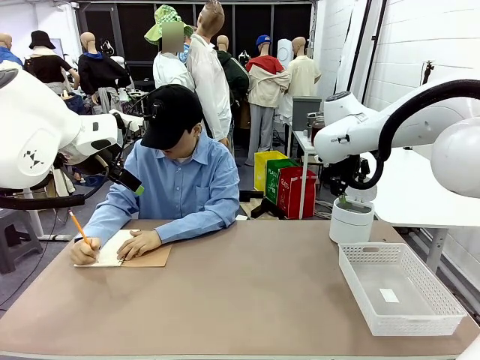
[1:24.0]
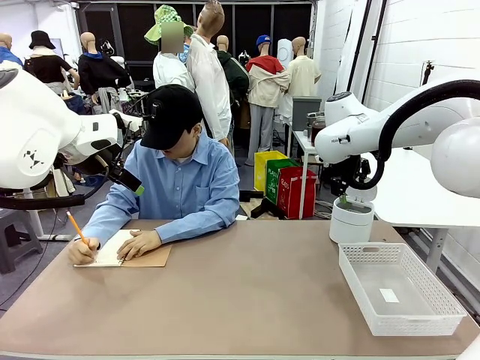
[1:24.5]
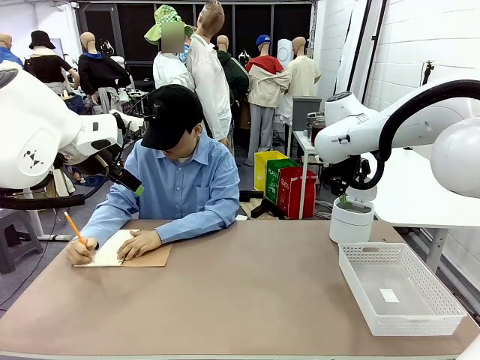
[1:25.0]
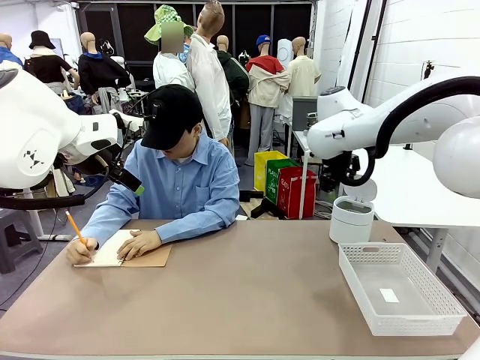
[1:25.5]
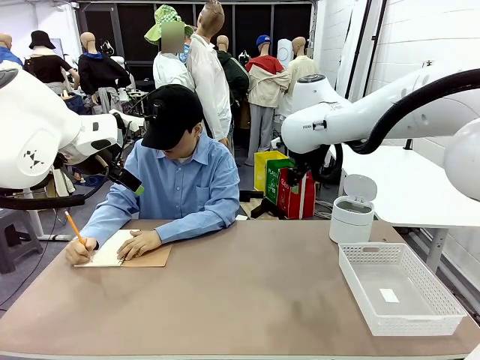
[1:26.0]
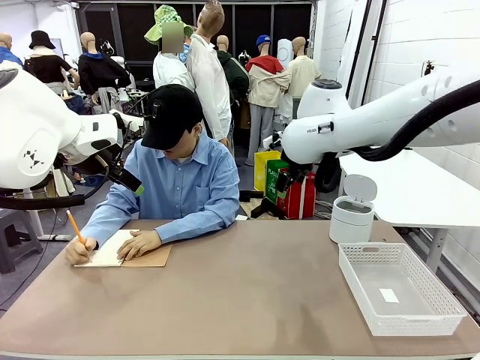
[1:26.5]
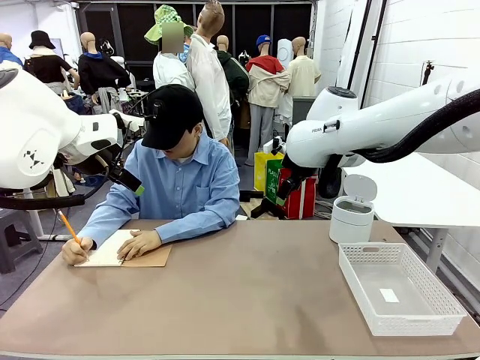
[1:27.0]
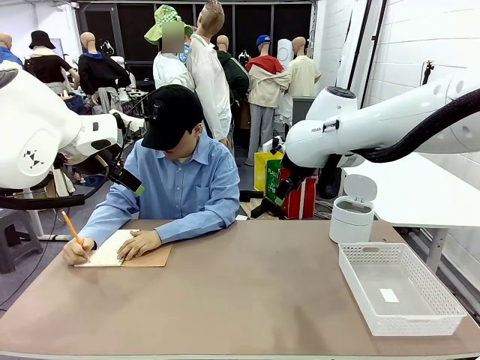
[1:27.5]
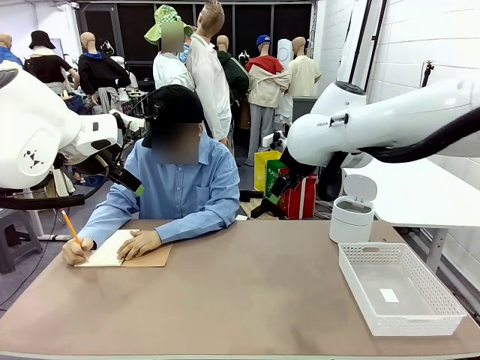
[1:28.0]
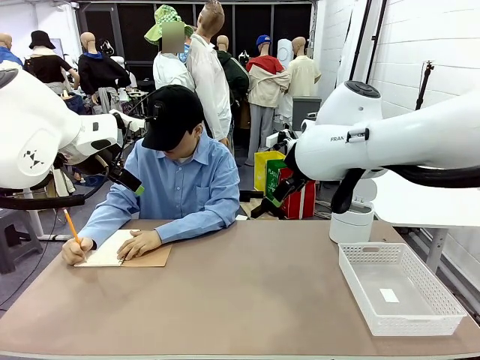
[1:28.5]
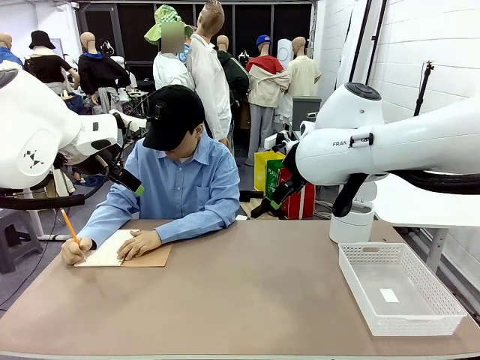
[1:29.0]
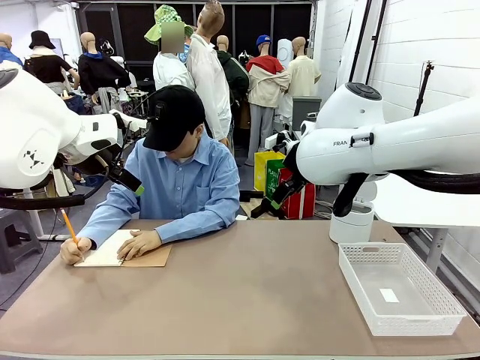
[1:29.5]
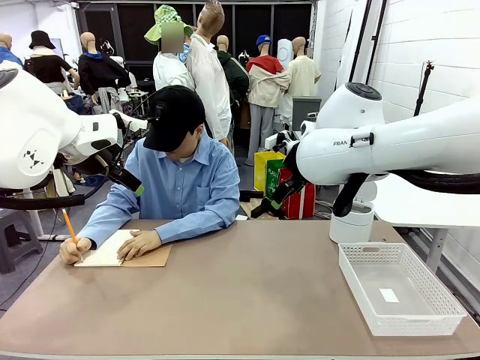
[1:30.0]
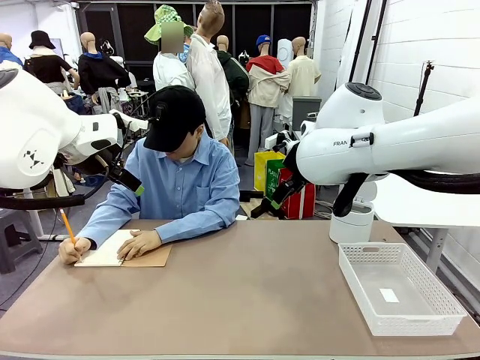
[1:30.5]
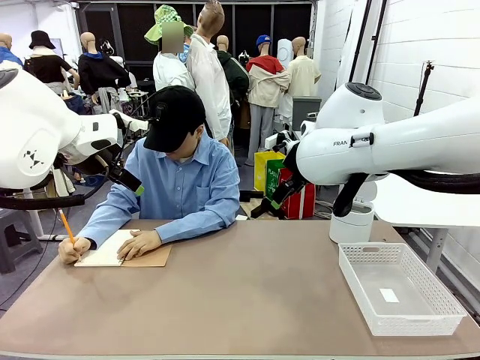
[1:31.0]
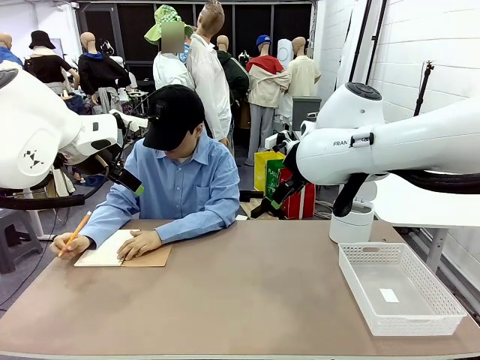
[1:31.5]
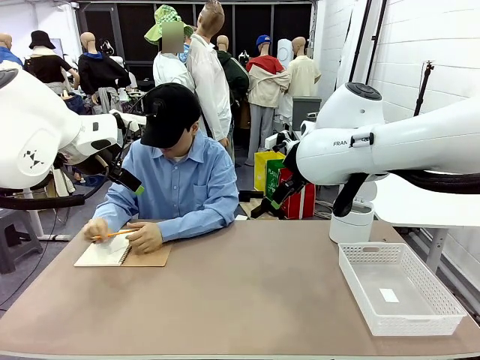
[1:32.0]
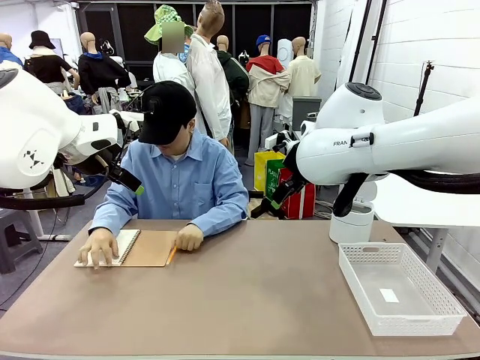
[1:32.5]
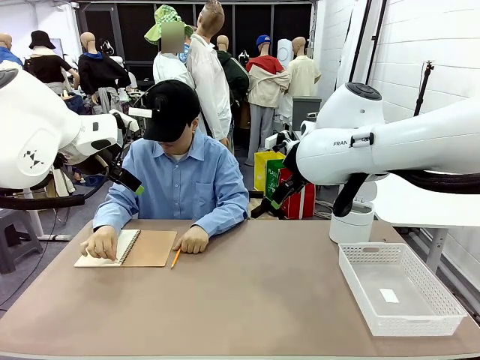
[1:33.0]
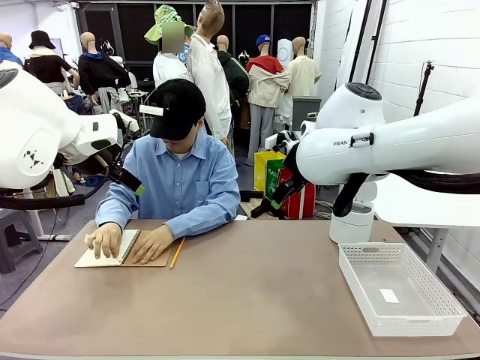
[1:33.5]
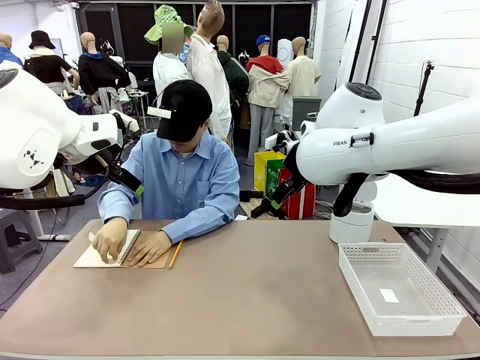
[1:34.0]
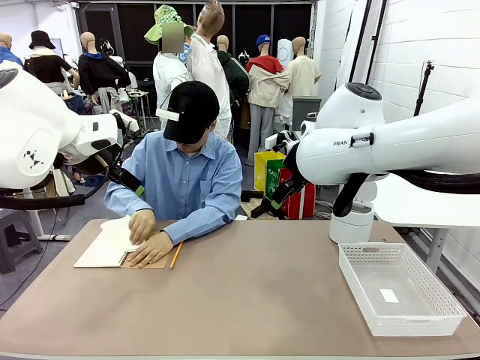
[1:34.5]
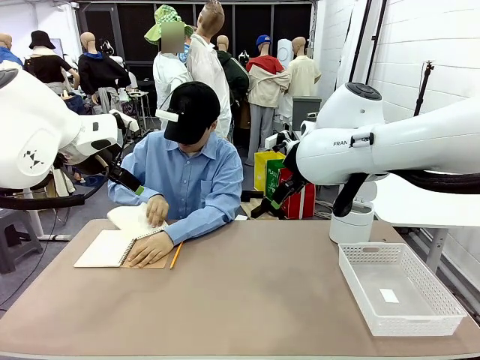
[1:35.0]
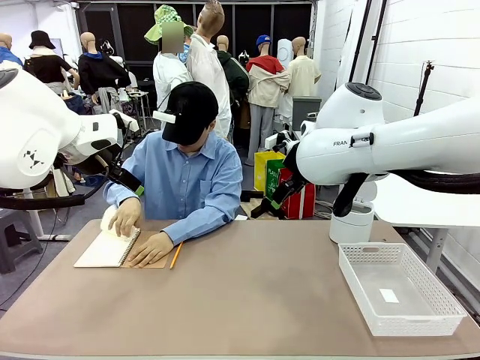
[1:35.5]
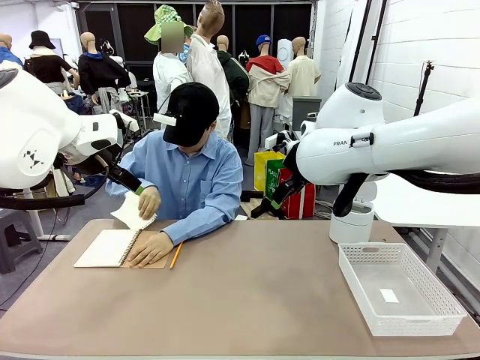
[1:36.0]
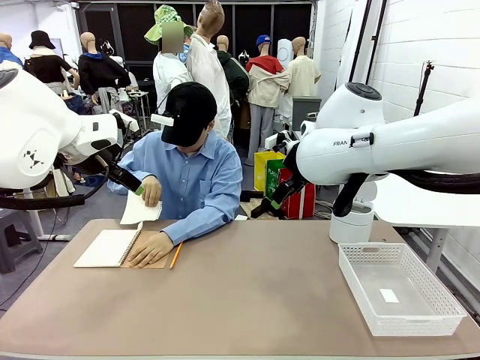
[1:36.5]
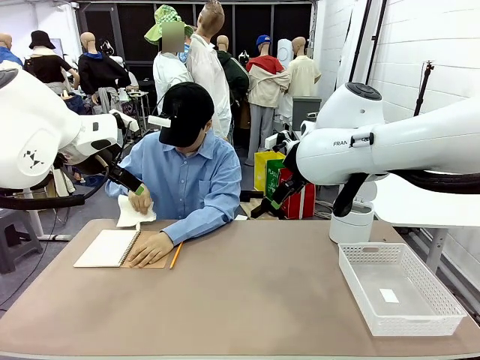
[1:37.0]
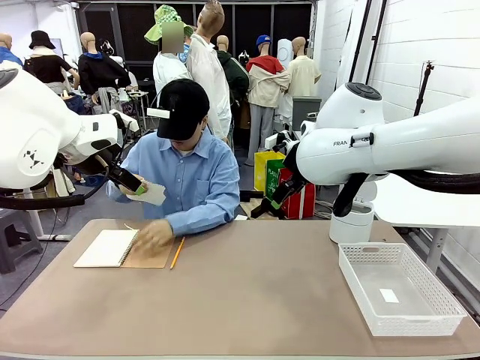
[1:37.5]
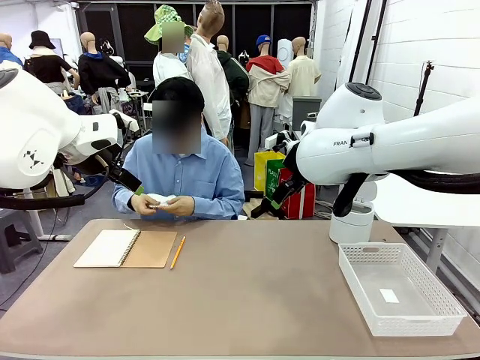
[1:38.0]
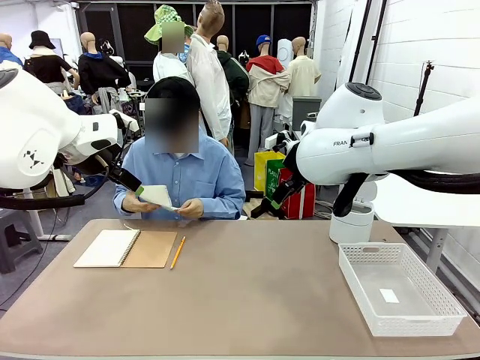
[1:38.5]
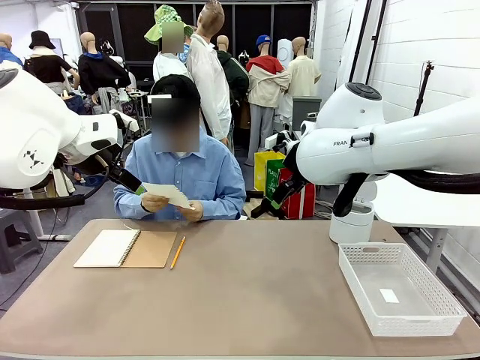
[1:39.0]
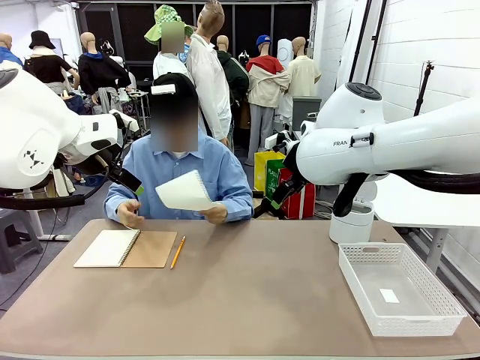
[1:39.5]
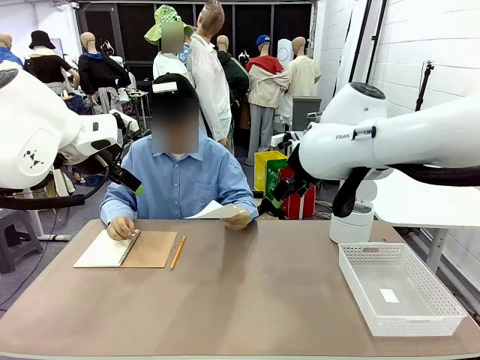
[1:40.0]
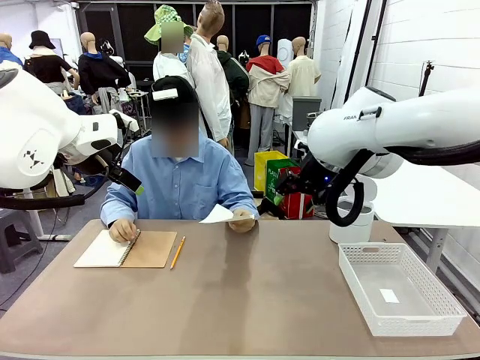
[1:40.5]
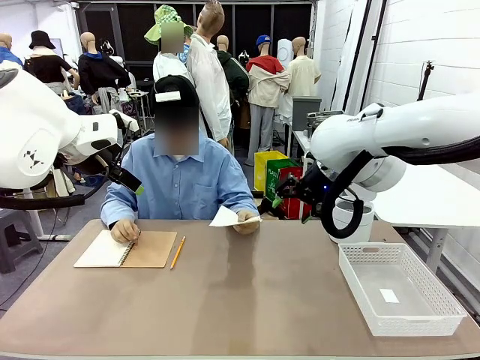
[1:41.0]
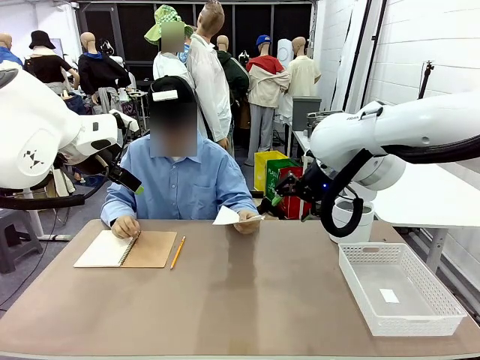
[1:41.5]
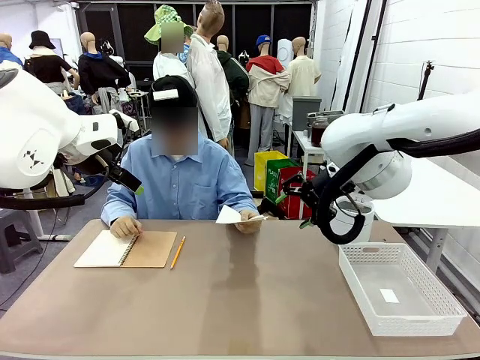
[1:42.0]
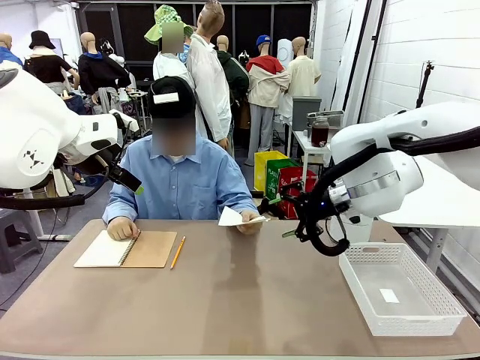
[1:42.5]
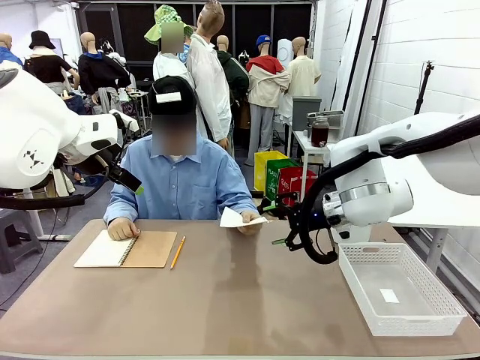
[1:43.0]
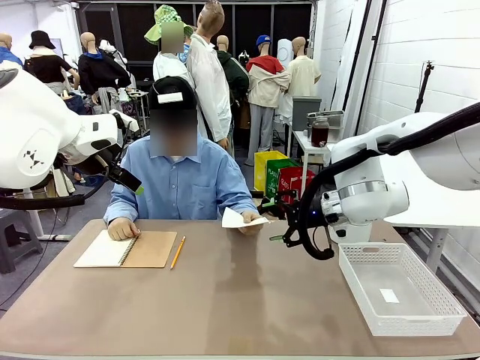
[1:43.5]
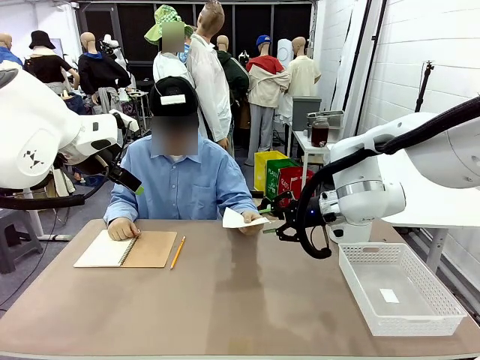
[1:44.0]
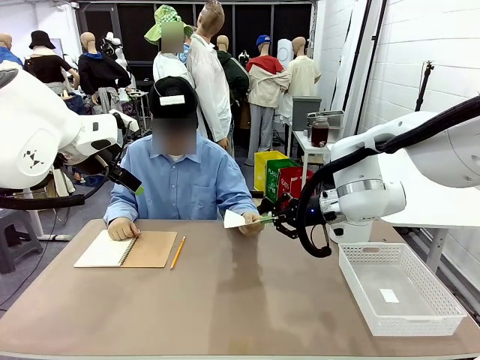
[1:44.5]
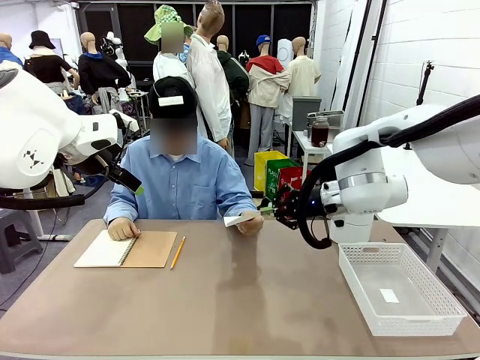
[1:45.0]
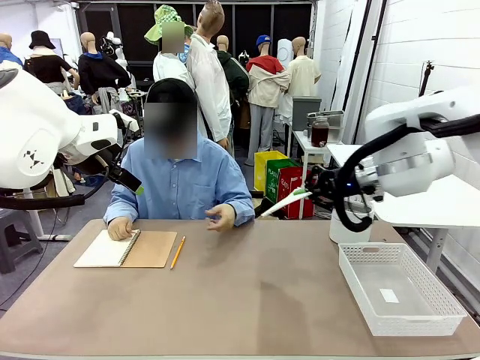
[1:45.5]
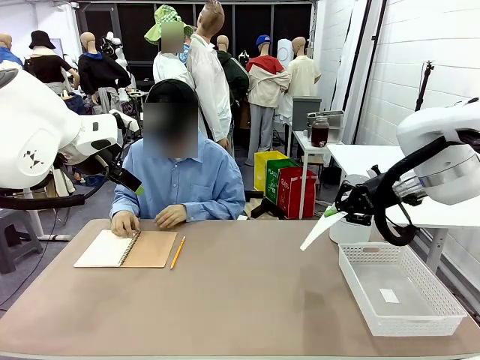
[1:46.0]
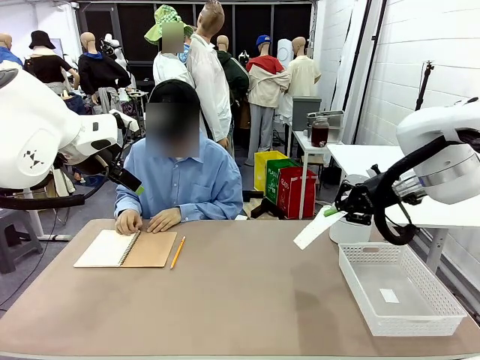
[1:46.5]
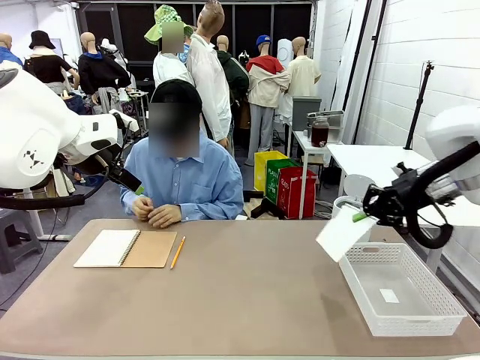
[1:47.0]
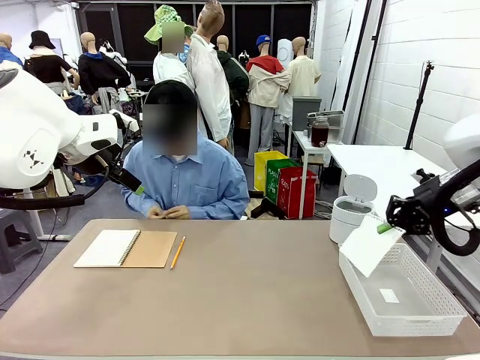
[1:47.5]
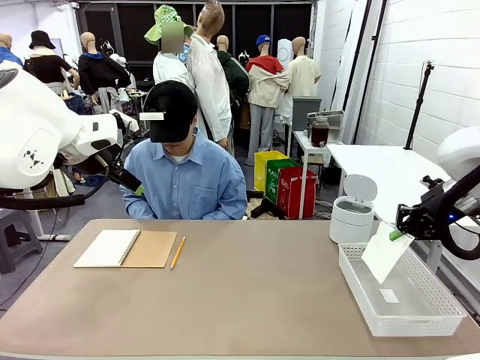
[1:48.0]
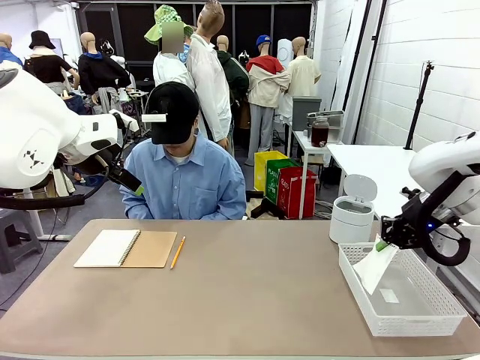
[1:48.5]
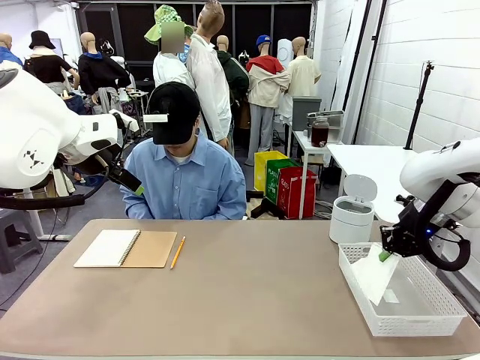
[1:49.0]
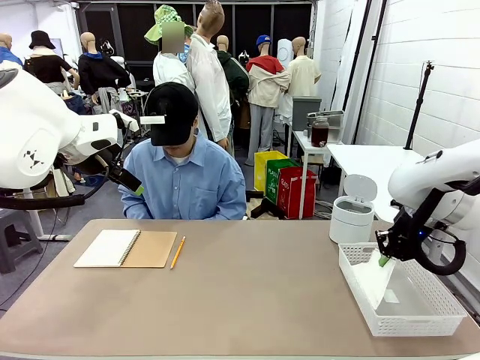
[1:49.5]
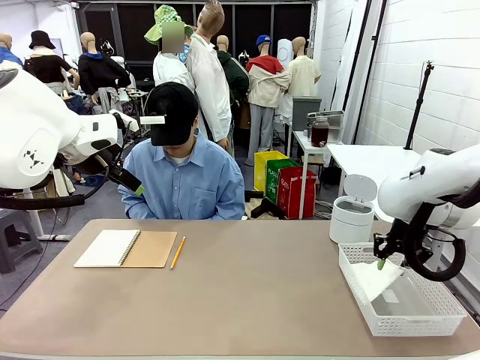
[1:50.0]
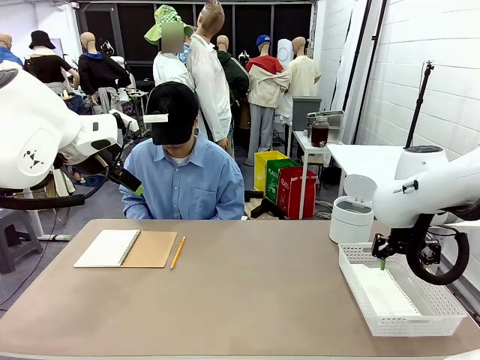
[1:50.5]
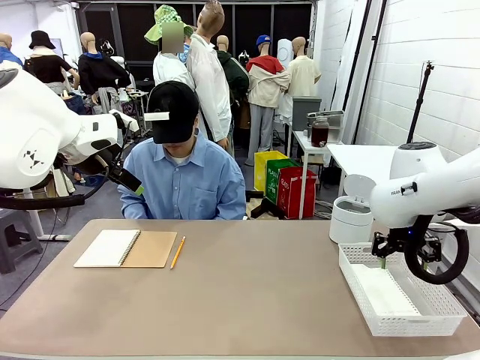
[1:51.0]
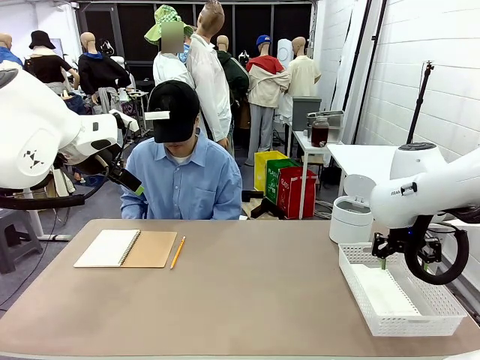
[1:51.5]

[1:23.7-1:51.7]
Task: Sort the paper based on its condition.
Robot: If a person hands you a paper, place it in the Organizing basket , and if it's crumpled, put it in the Trash can.
Person: Hand the torn page to the robot or crumple it and throw it to the center of the table.
